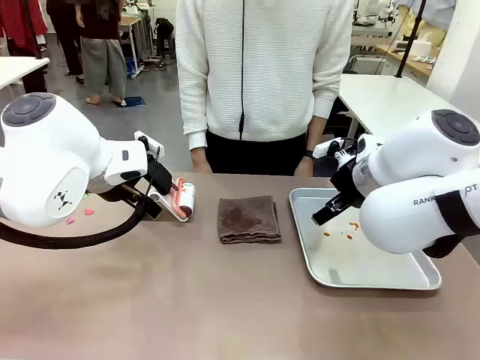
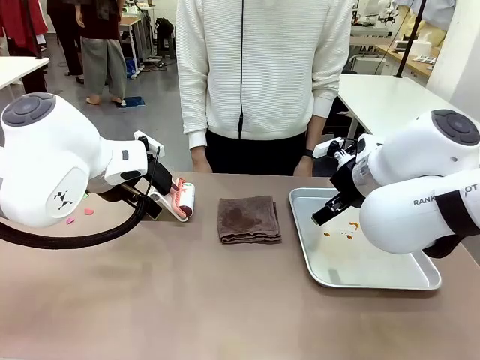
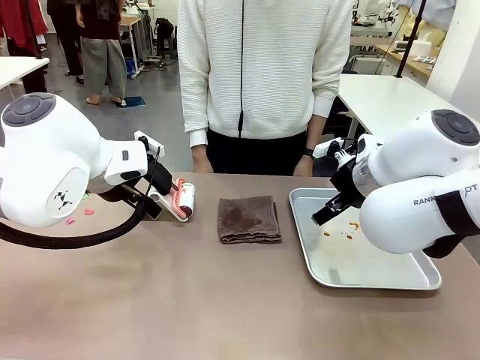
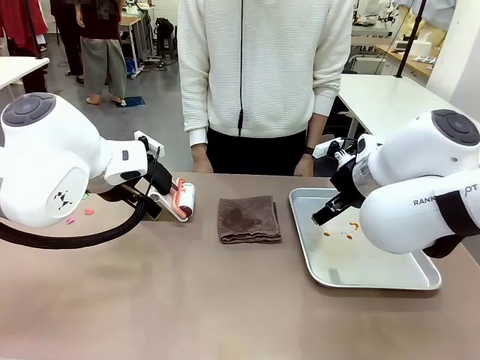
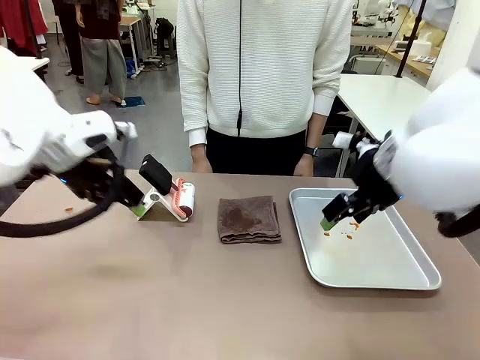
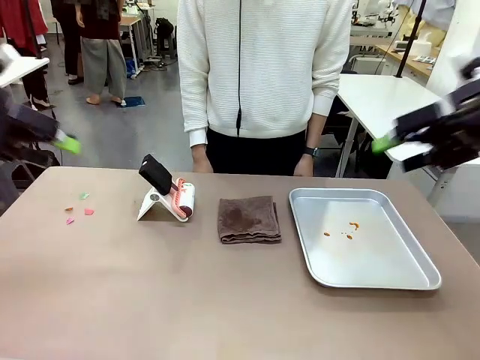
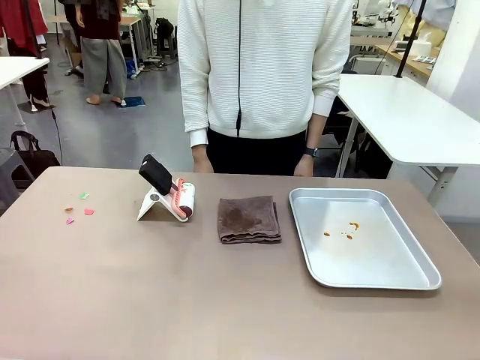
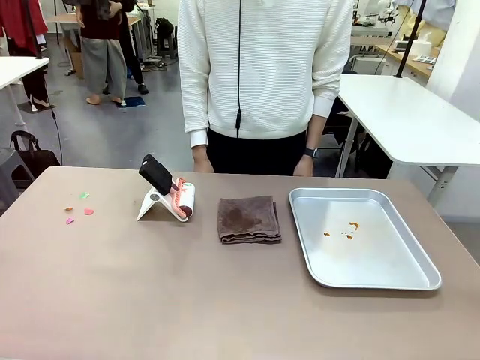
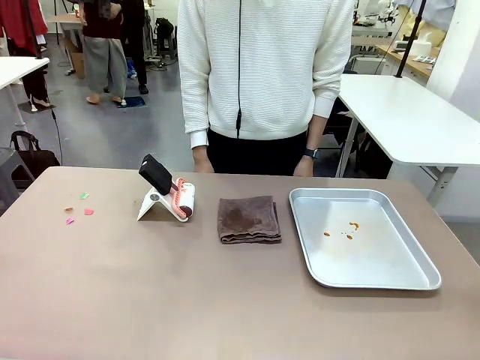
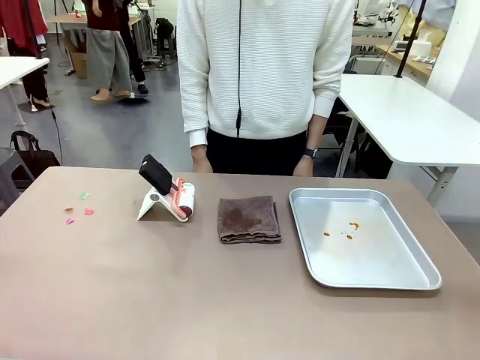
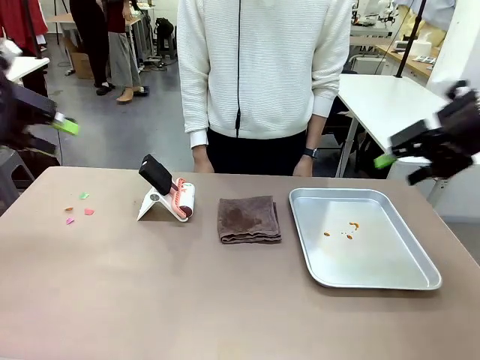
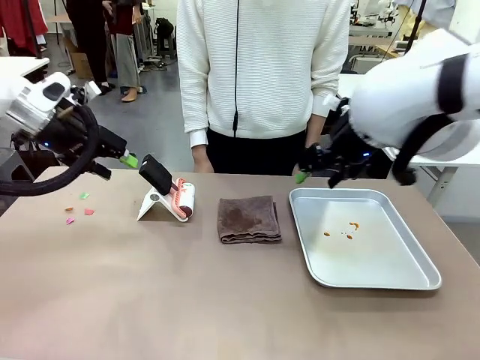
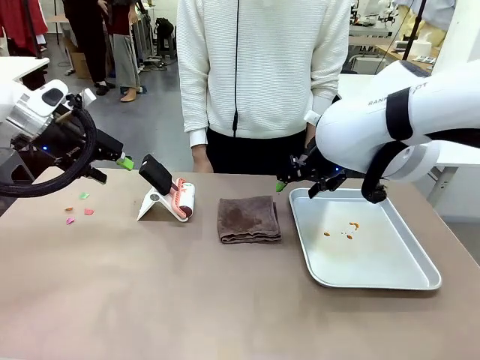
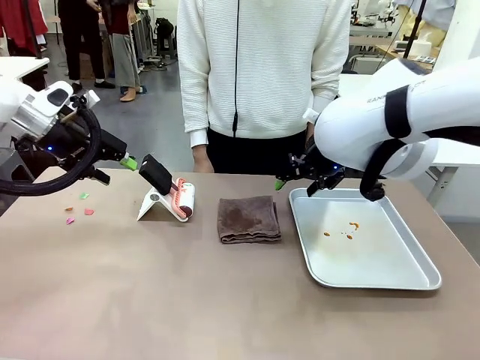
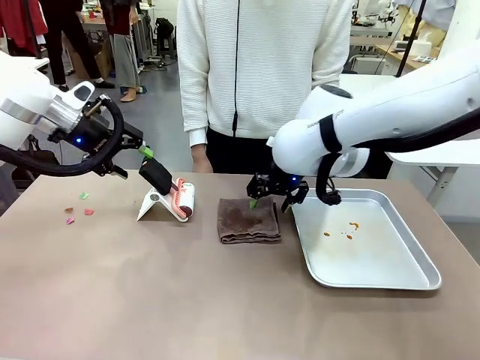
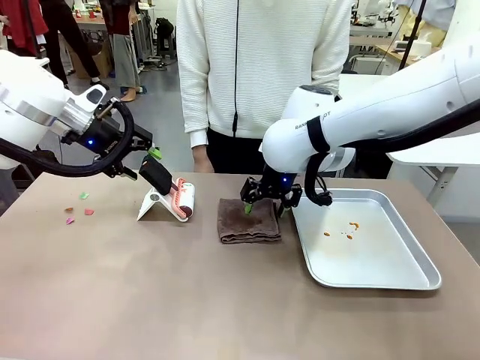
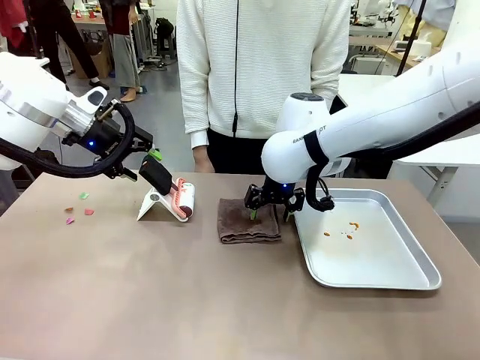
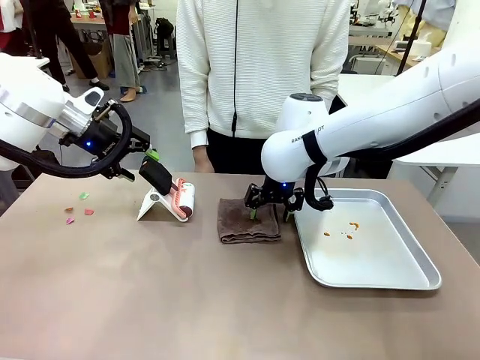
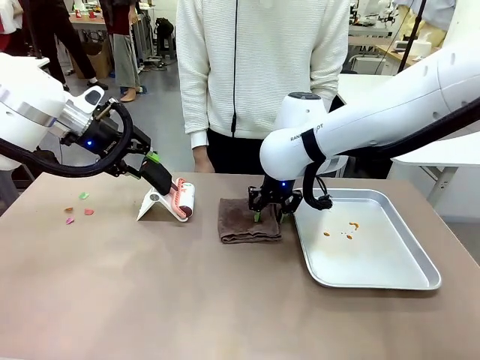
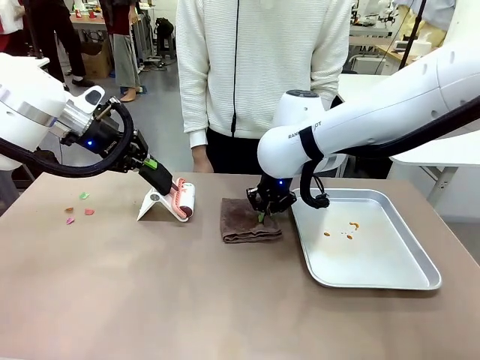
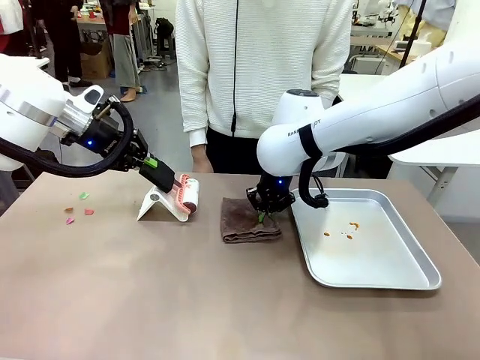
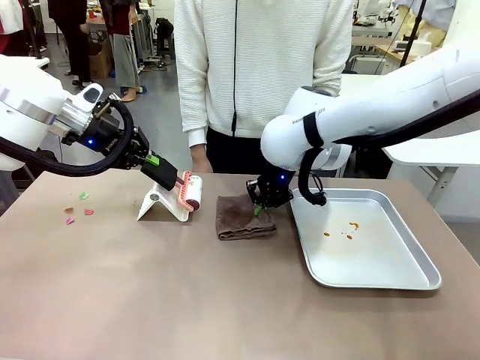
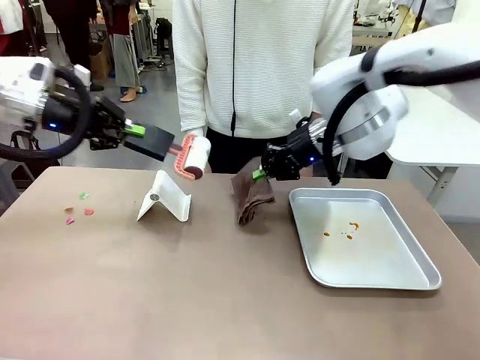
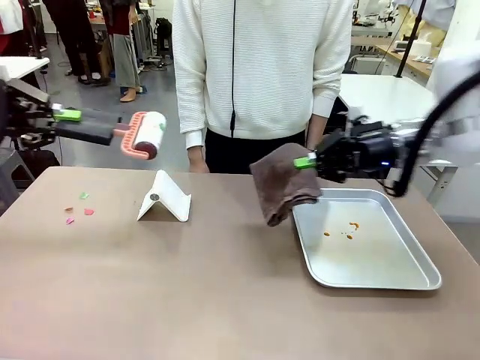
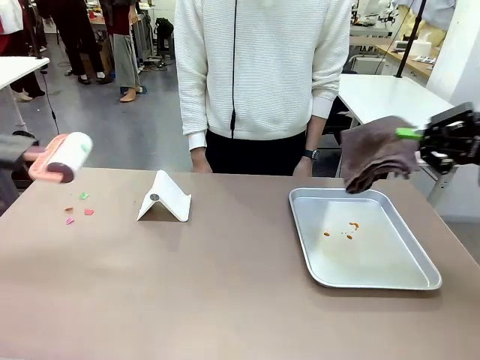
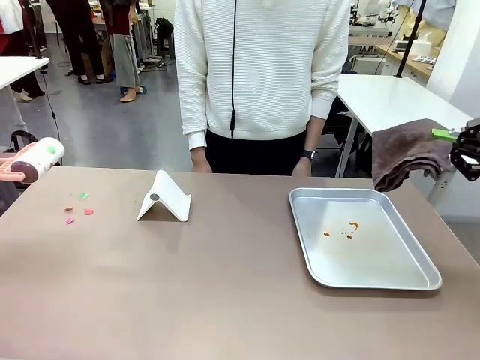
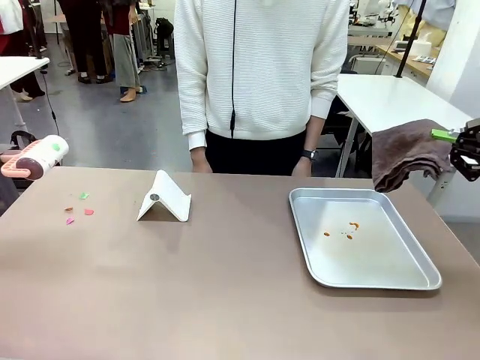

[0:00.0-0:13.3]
Task: Clean the surface of the table.
Robot: Hold the Lint Roller with your left hand and the towel with your right hand.

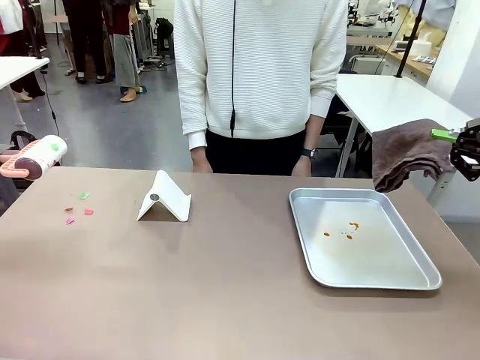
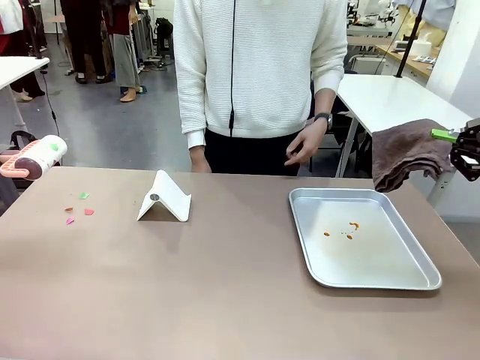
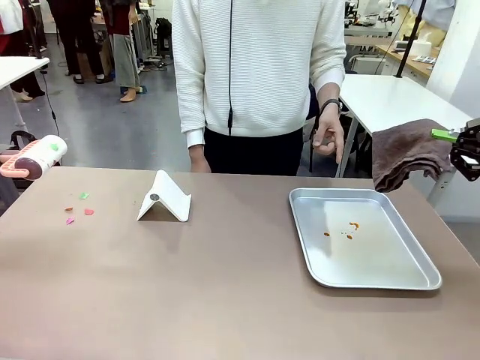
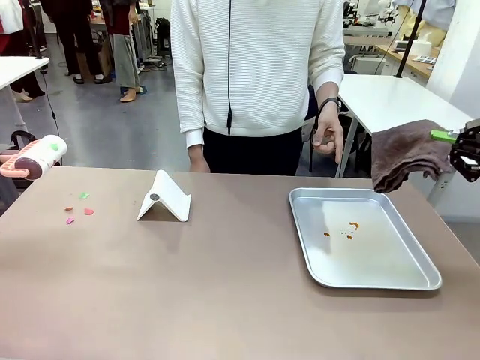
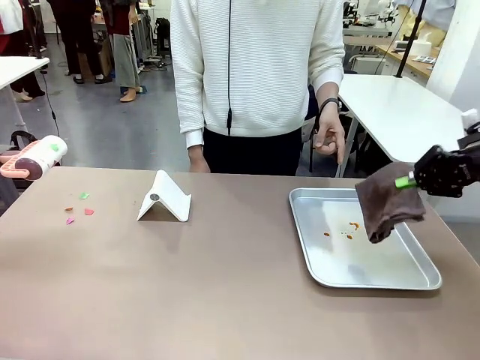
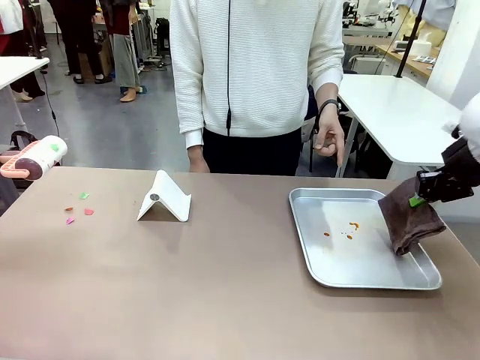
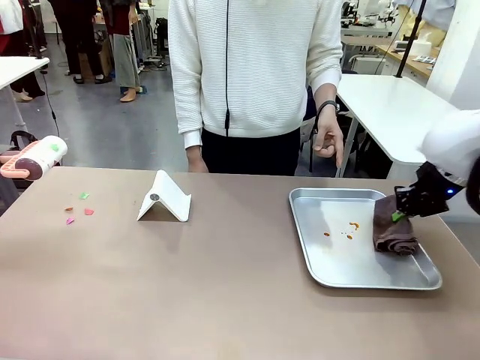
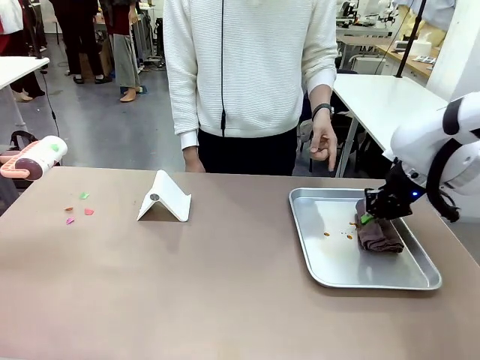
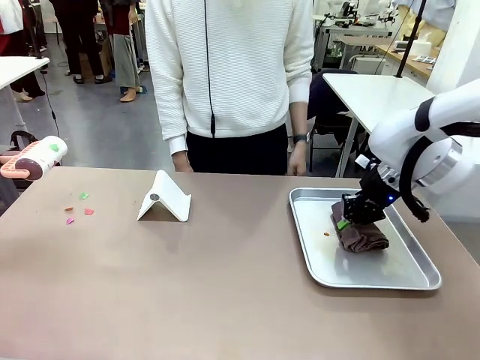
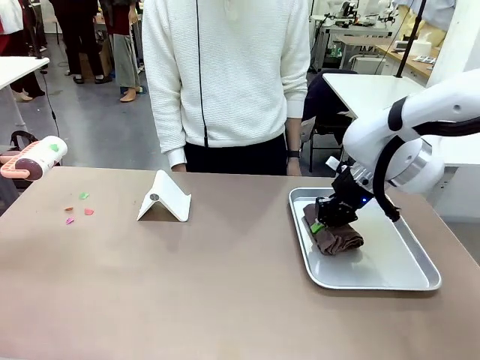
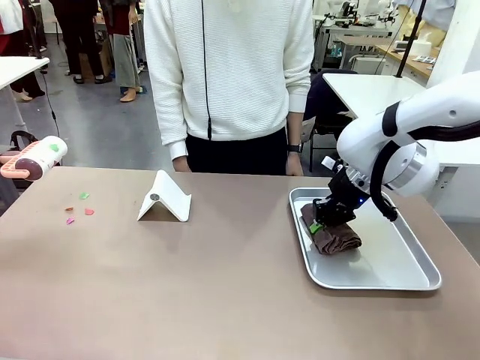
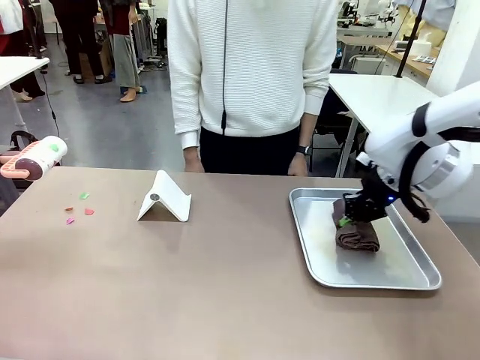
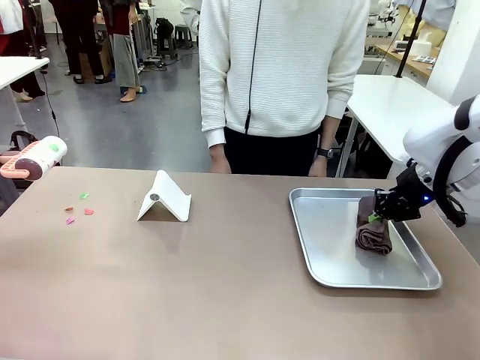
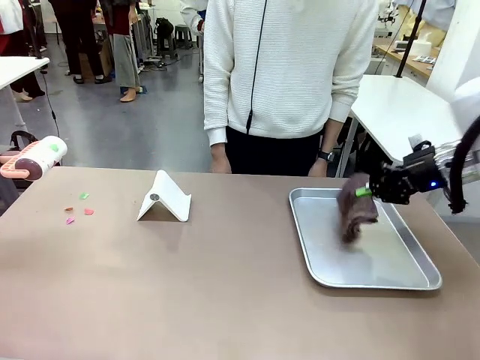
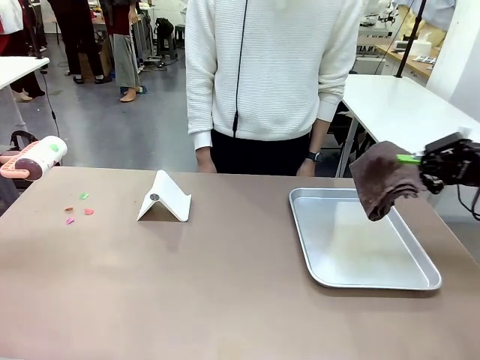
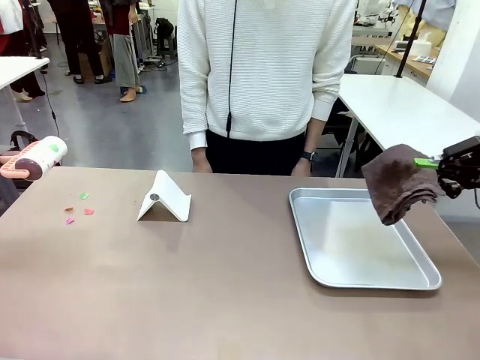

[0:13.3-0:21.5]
Robot: If a person points to the right, clean the right side of the table with your right hand, and if they point to the left, clean the left side with your left hand.

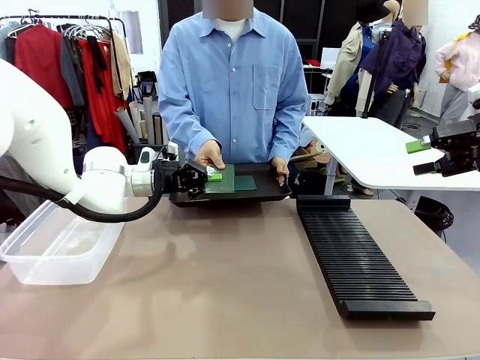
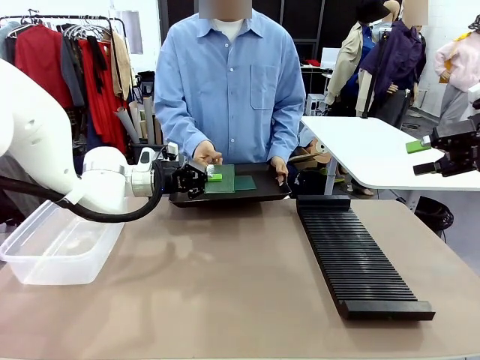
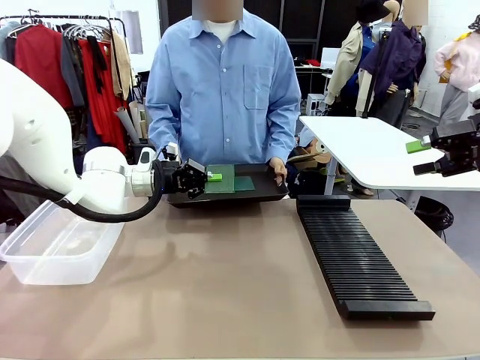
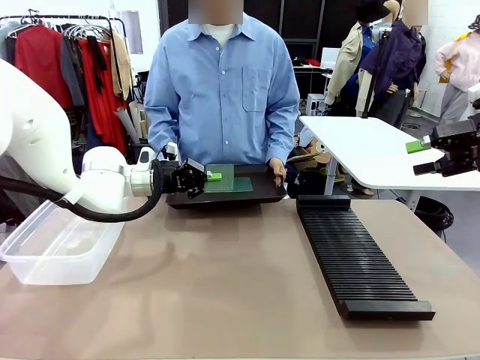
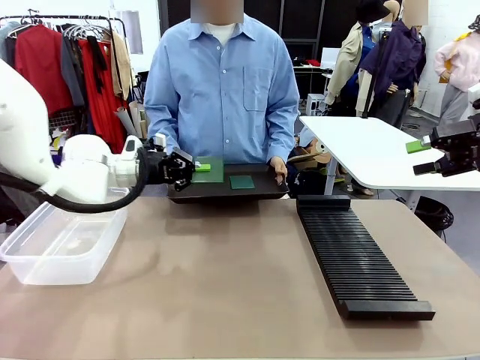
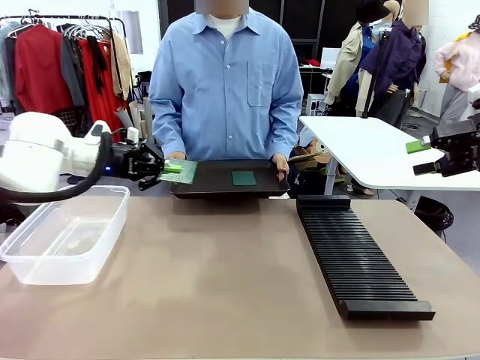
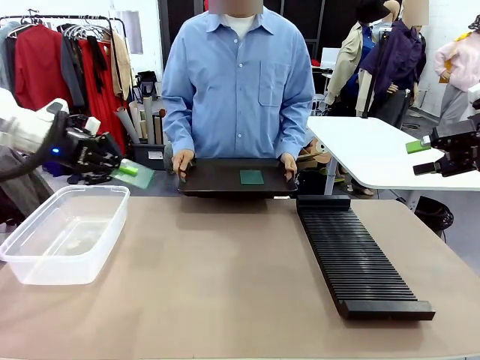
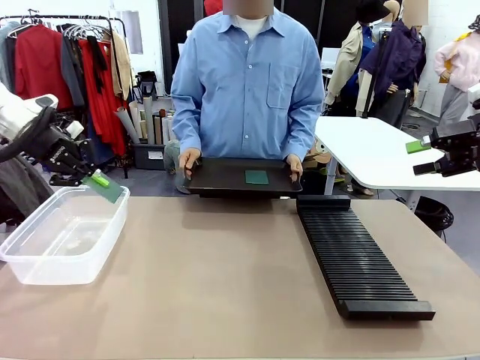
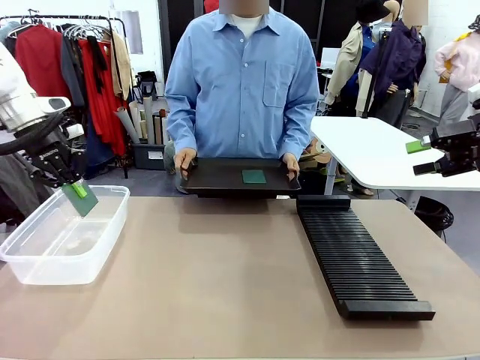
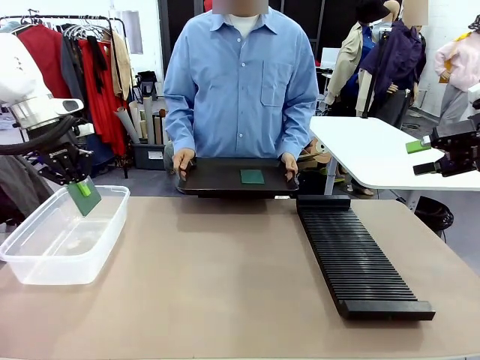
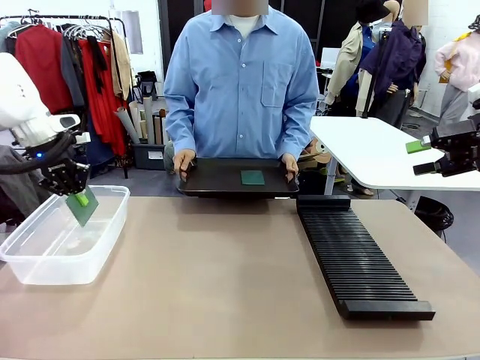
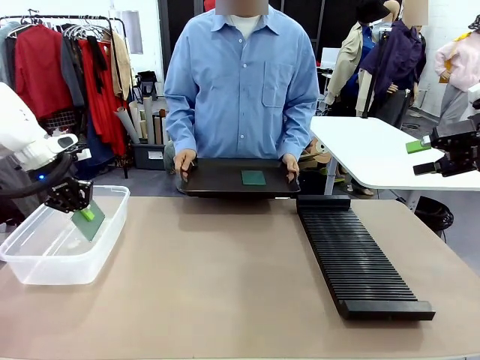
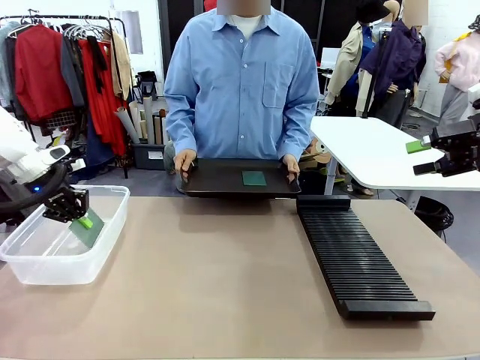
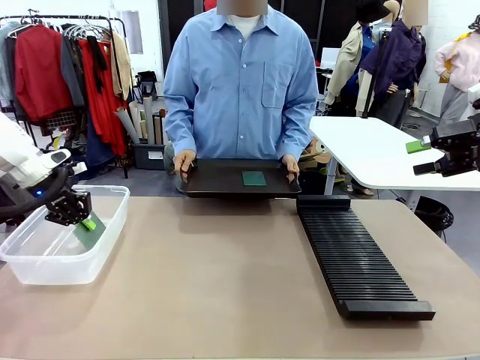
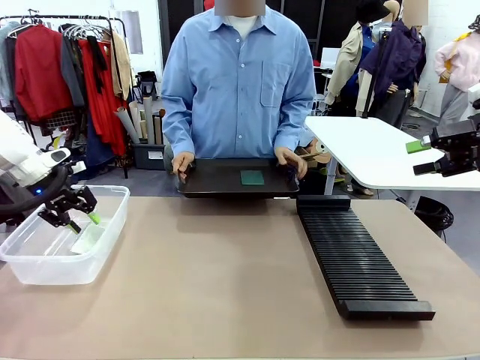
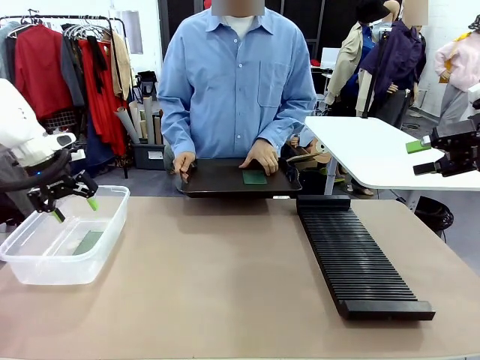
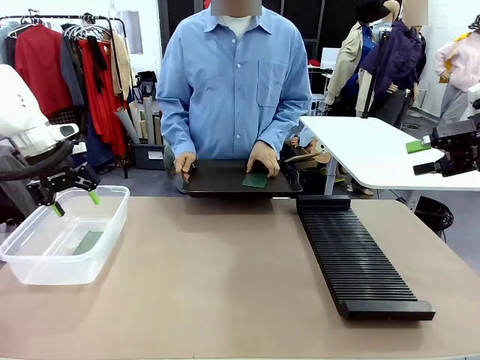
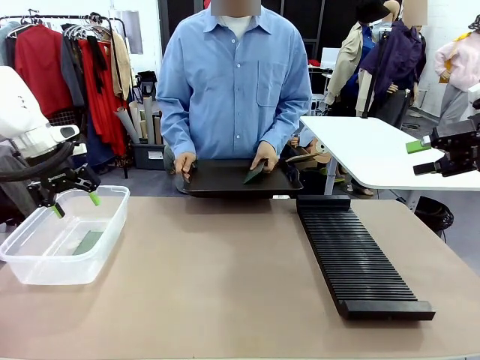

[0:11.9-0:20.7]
Task: Sort PCBs into racks and boxes based on the side picked up.
Robot: If the short side of the Blank PCB is picked up, insert it into the PCB Rack ; if the long side is picked up, place it in the Organizing box.
Person: Pick one PCB from the tray and present it to the robot.
